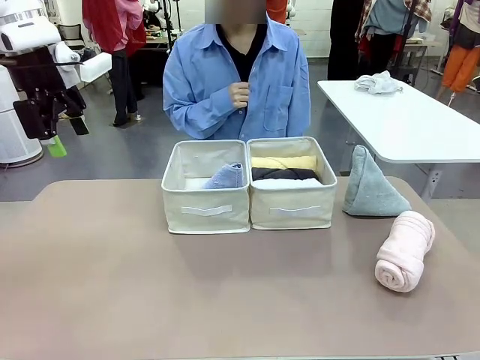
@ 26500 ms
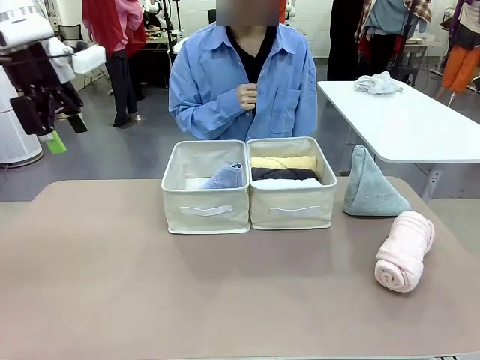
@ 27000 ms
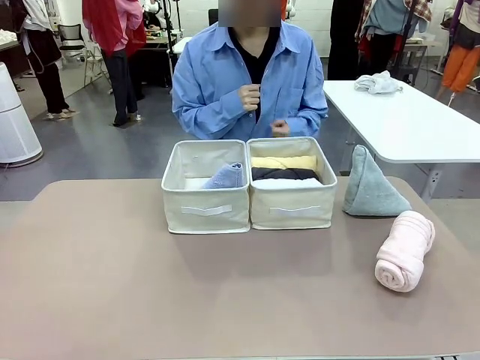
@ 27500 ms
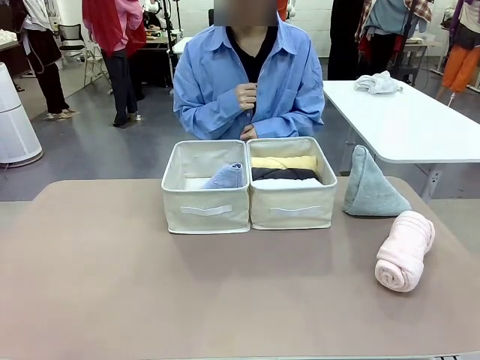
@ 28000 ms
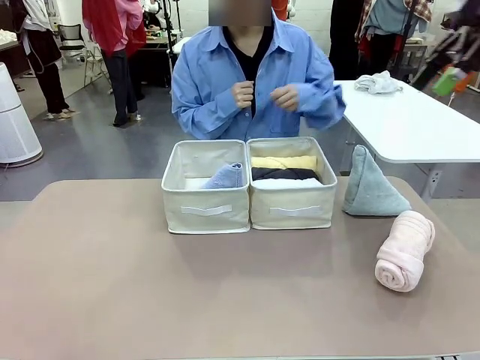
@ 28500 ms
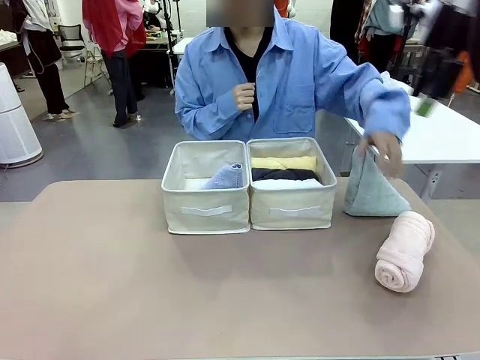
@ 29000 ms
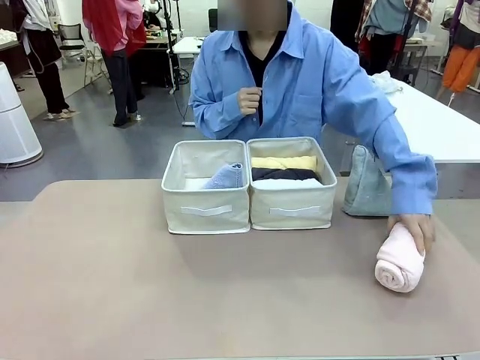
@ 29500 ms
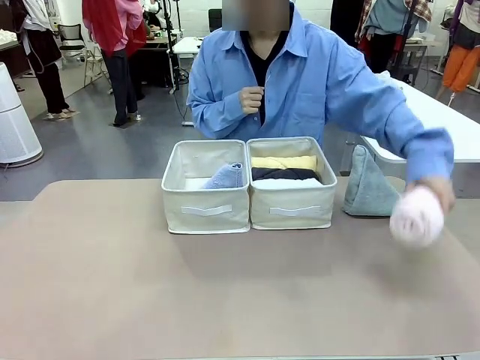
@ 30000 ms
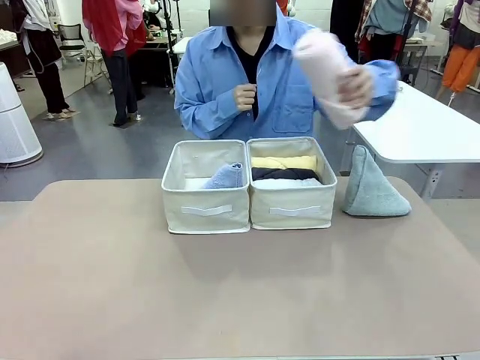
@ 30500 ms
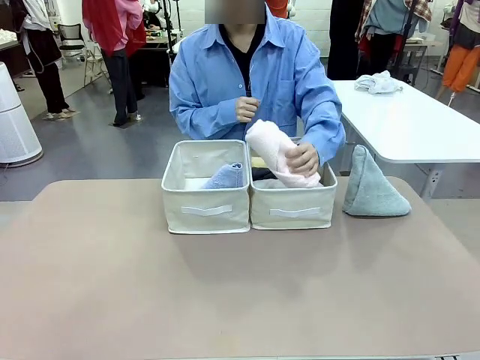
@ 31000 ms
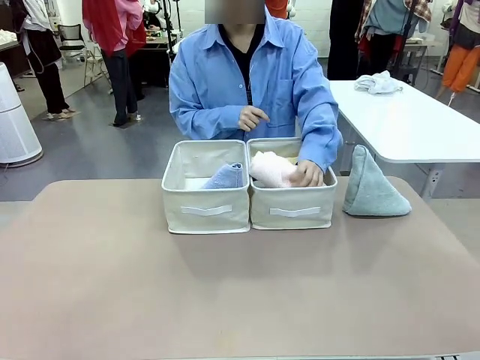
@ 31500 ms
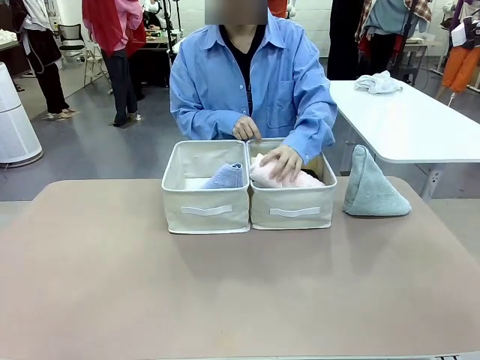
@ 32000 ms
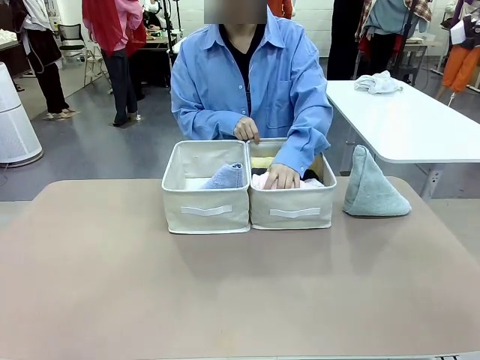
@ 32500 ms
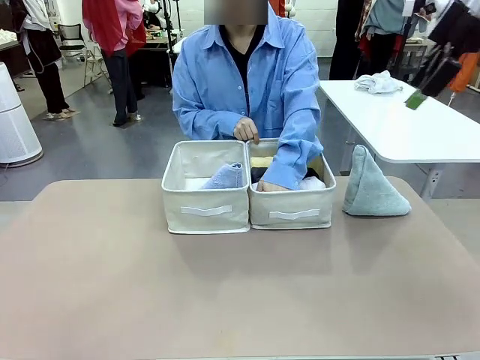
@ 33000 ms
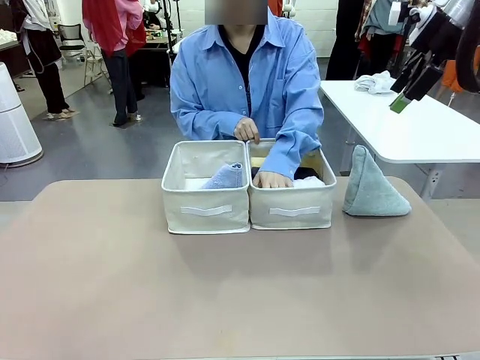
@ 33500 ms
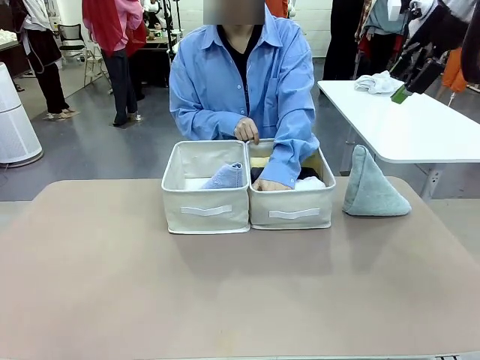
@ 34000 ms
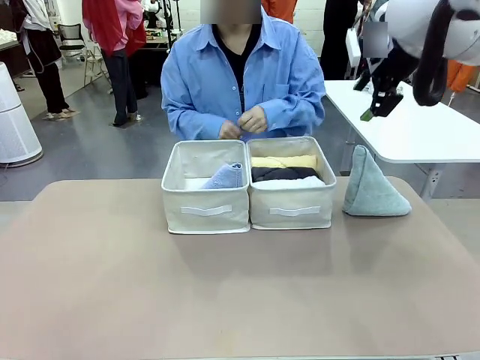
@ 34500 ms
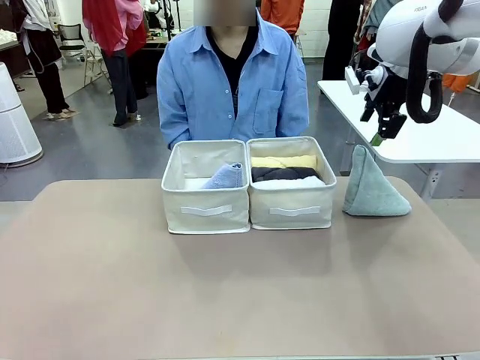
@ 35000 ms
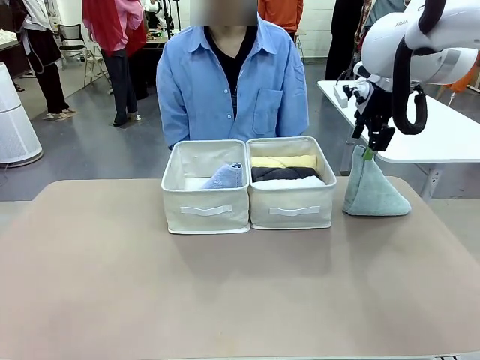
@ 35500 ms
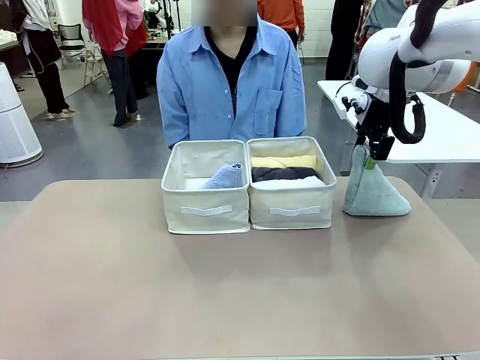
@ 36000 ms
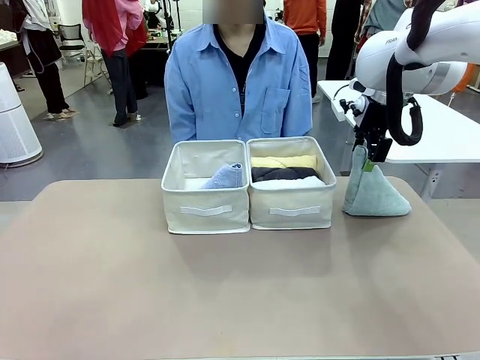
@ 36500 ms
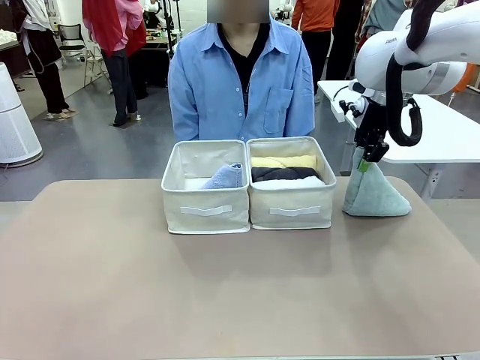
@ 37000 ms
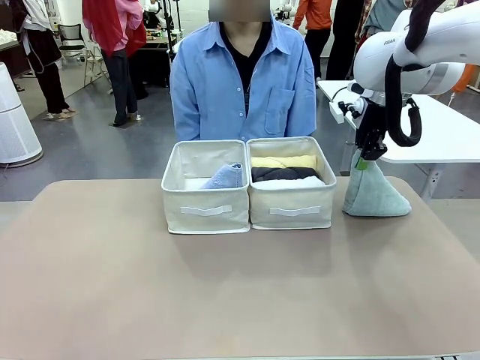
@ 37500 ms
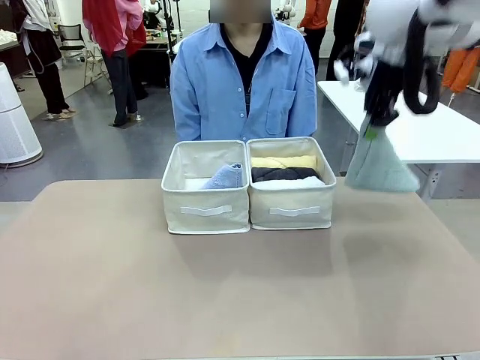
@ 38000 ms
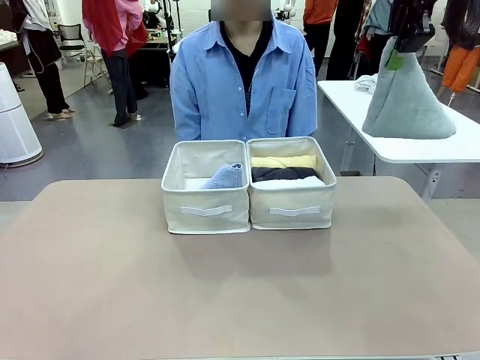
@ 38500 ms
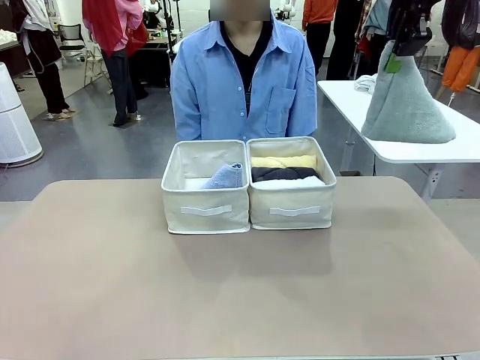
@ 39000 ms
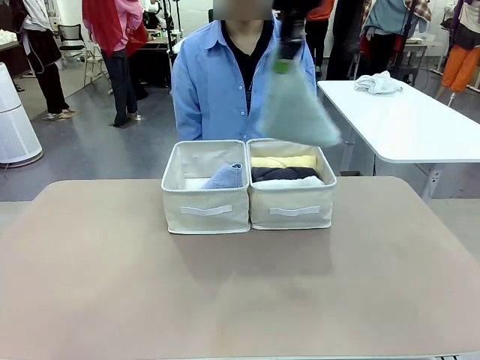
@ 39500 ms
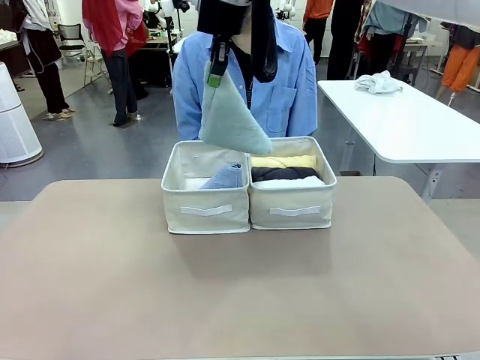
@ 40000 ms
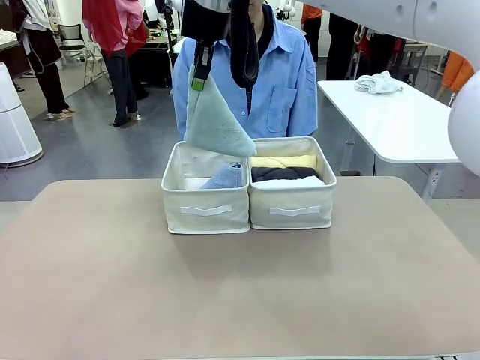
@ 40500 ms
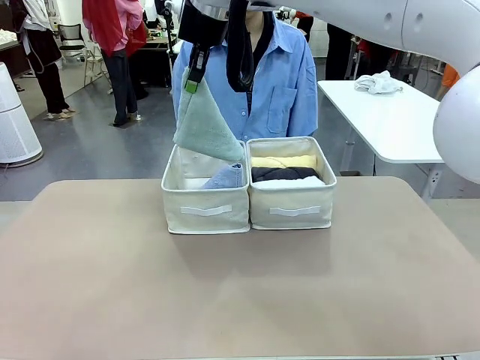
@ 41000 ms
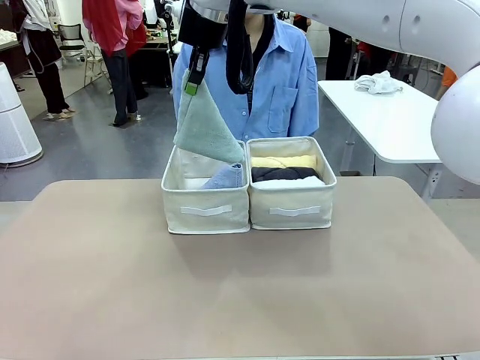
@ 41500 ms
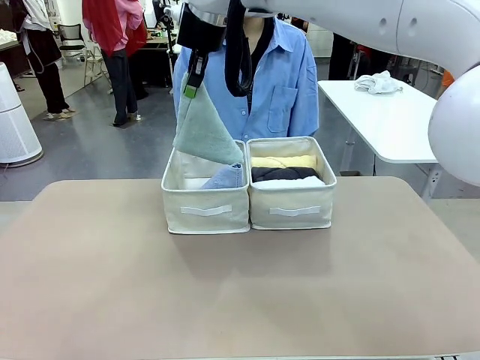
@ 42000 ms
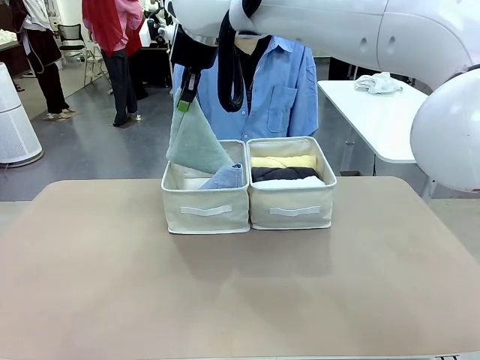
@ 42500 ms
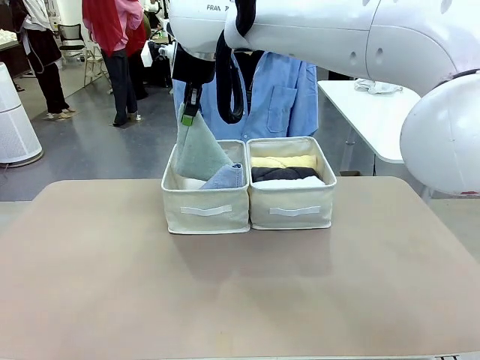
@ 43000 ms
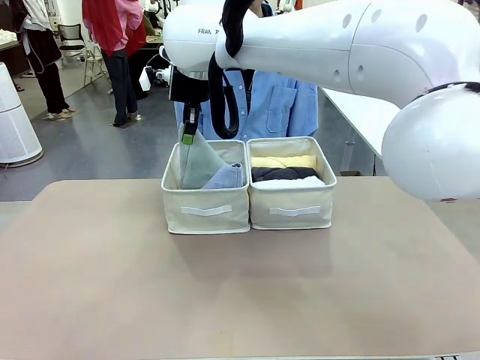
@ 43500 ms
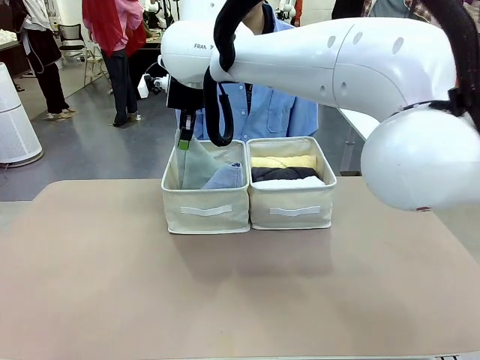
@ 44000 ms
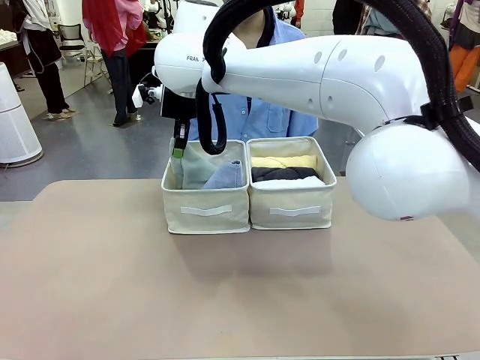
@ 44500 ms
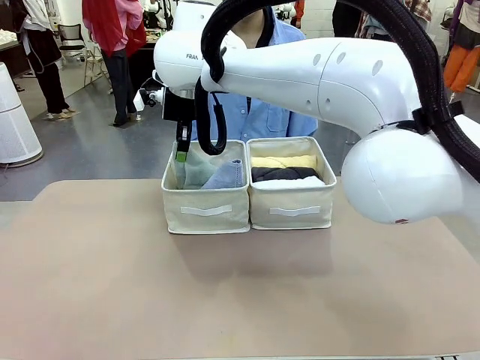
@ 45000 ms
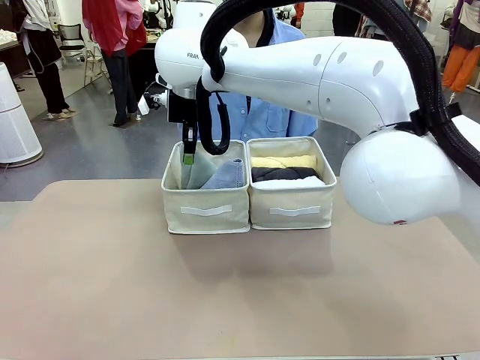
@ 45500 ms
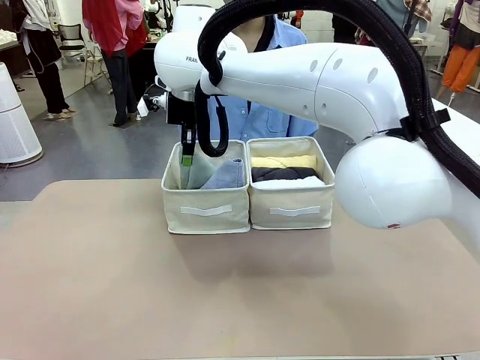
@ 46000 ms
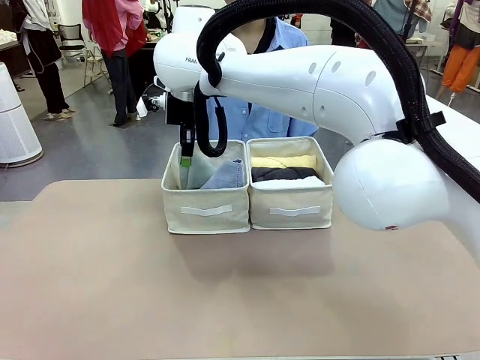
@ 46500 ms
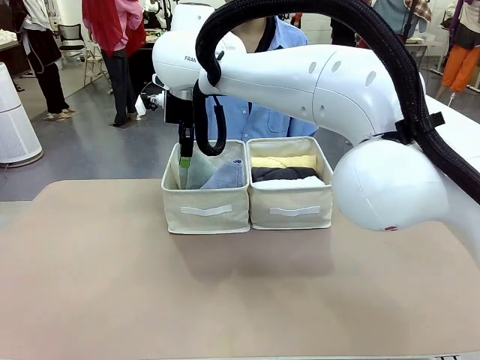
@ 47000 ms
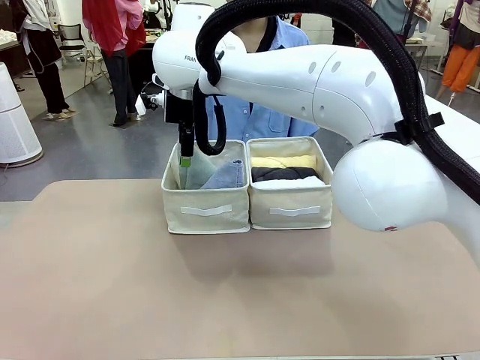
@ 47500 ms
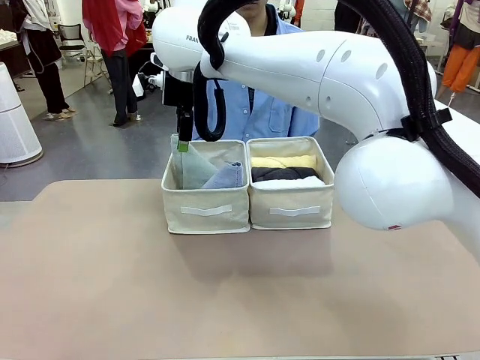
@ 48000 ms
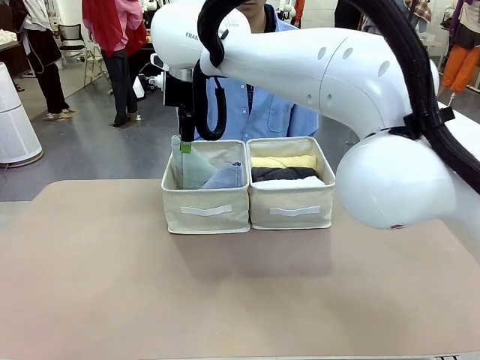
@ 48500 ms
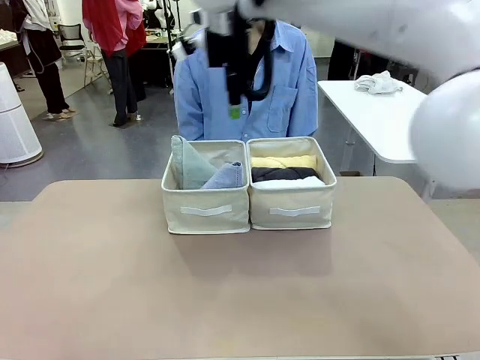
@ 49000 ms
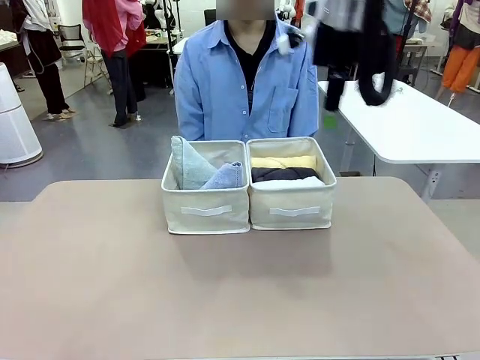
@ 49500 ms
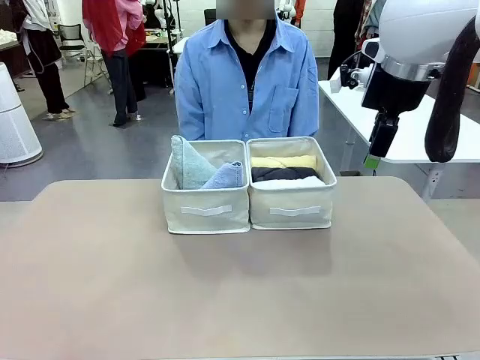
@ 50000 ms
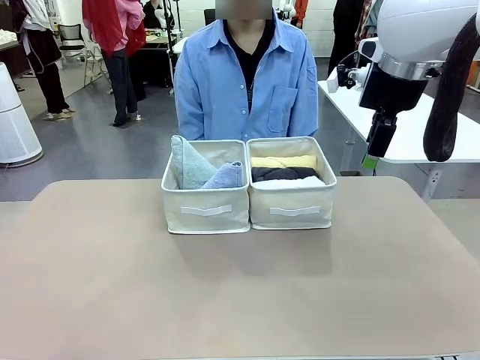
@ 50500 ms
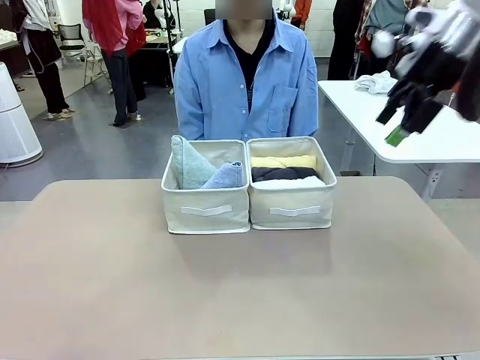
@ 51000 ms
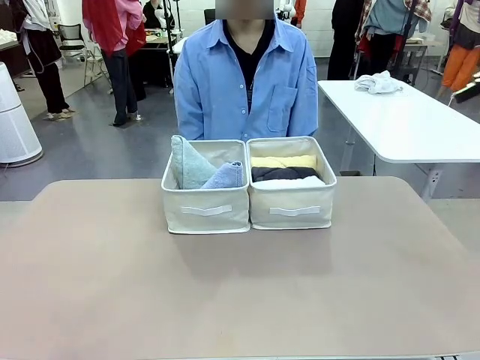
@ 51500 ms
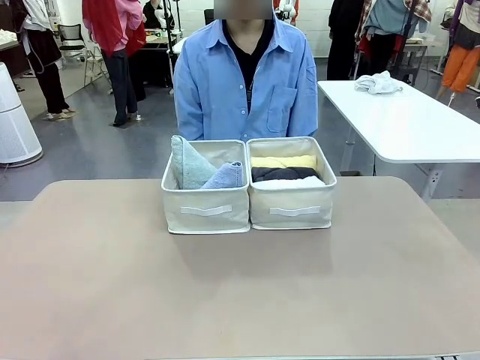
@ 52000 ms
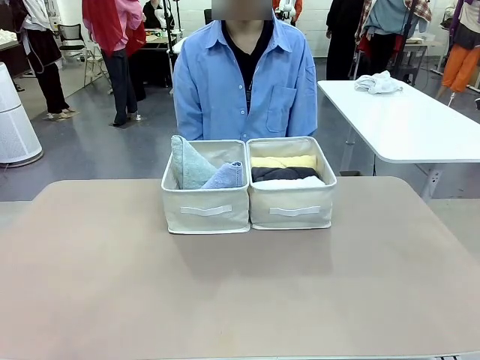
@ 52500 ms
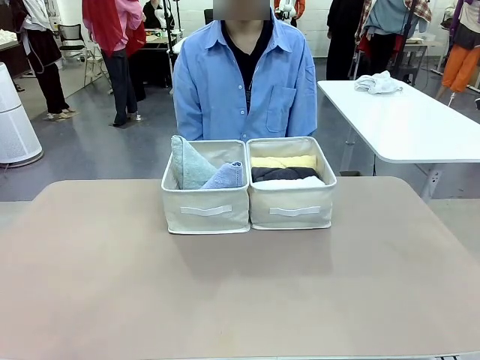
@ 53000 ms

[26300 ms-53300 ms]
Task: Sort the towels based on their folding style.
Robot: Pick up another triangle-folded towel from the table and place it in the left Fabric basket.
Person: Pick up one hotel-style rolled towel from the table and place it in the left fabric basket.
